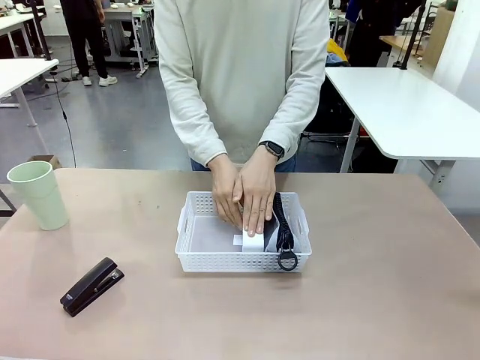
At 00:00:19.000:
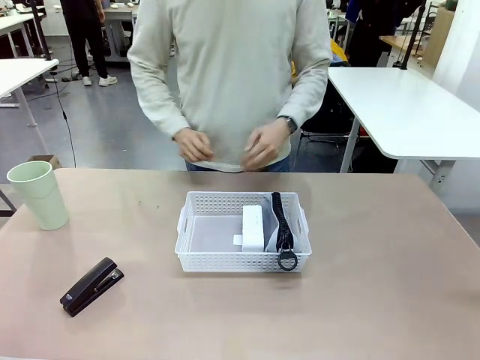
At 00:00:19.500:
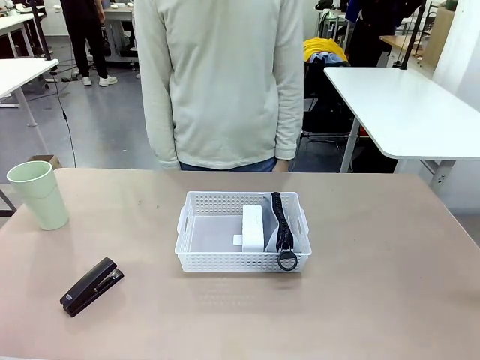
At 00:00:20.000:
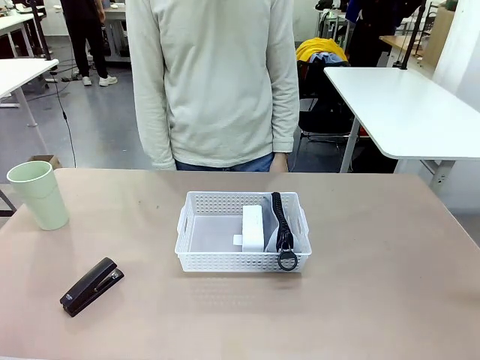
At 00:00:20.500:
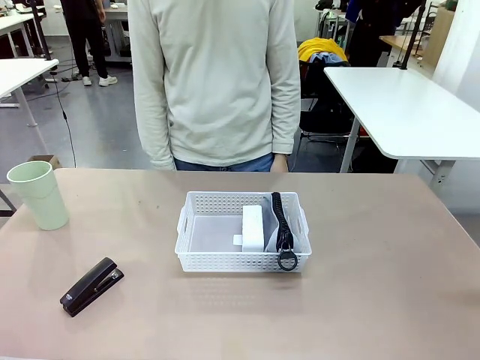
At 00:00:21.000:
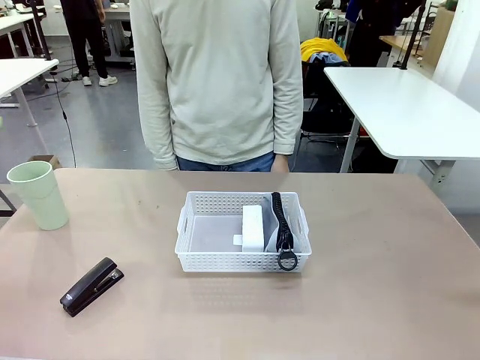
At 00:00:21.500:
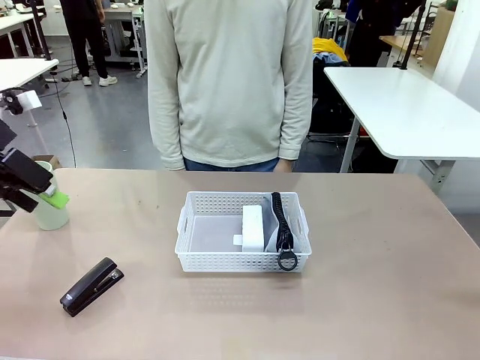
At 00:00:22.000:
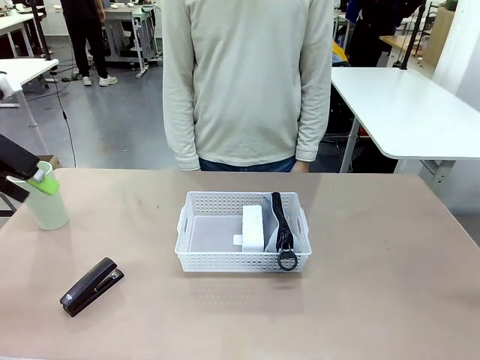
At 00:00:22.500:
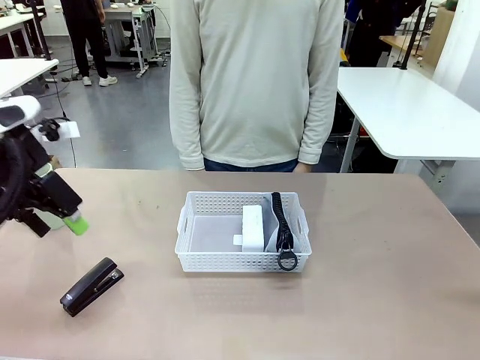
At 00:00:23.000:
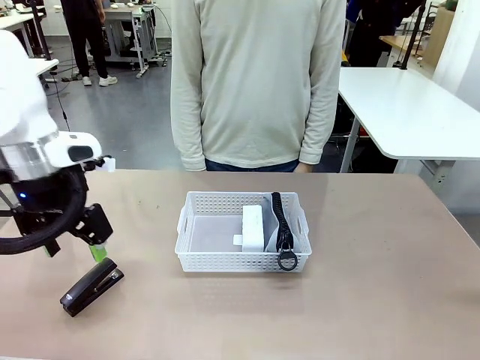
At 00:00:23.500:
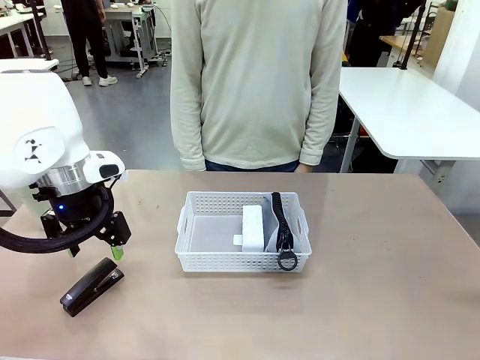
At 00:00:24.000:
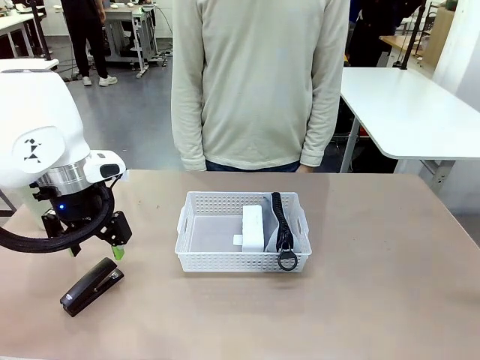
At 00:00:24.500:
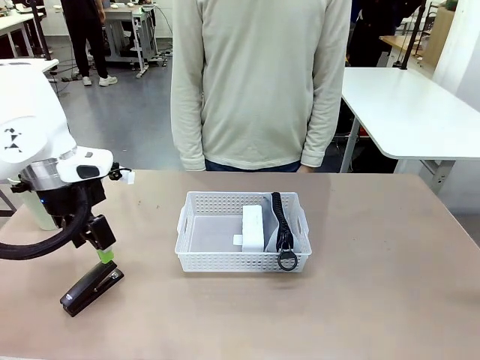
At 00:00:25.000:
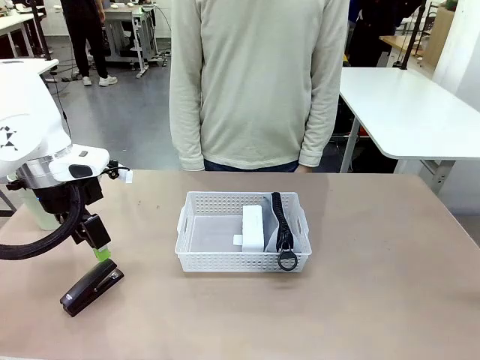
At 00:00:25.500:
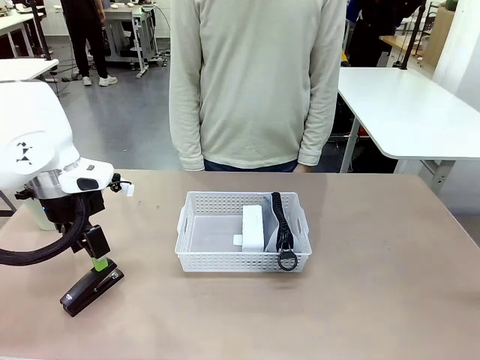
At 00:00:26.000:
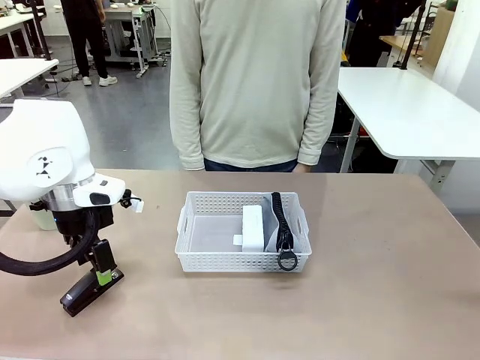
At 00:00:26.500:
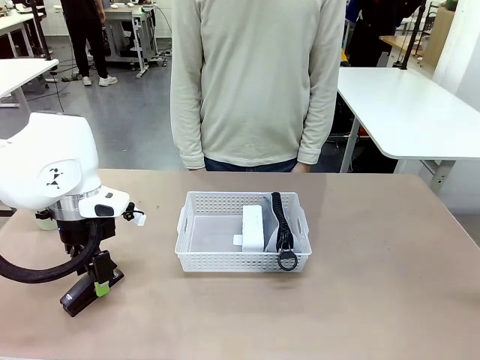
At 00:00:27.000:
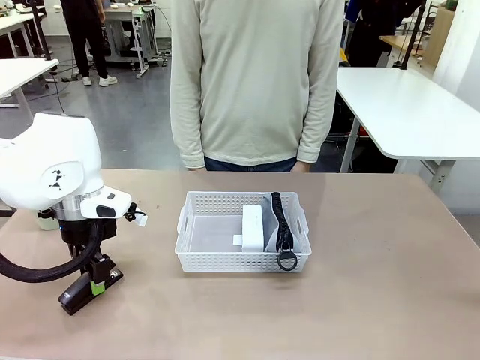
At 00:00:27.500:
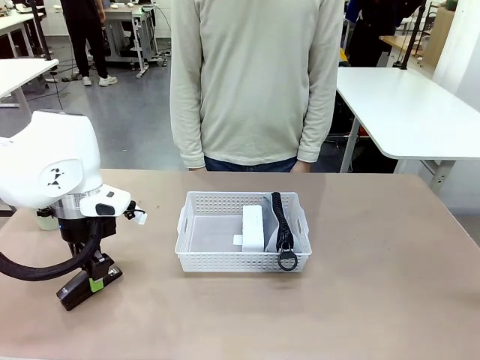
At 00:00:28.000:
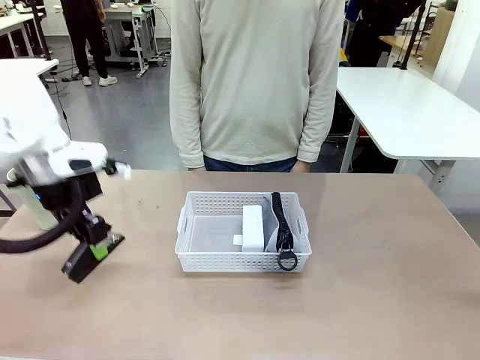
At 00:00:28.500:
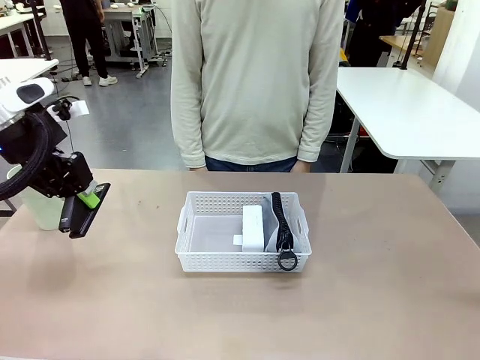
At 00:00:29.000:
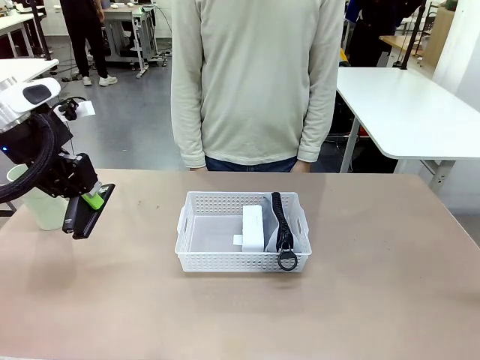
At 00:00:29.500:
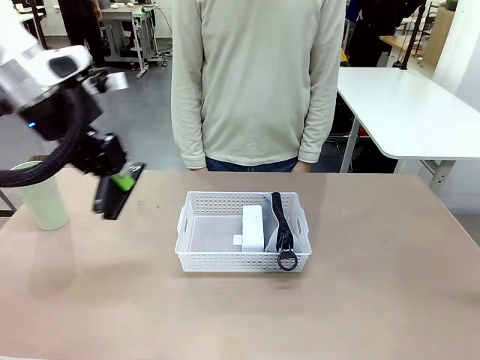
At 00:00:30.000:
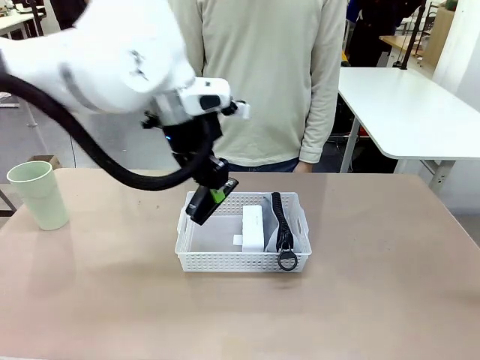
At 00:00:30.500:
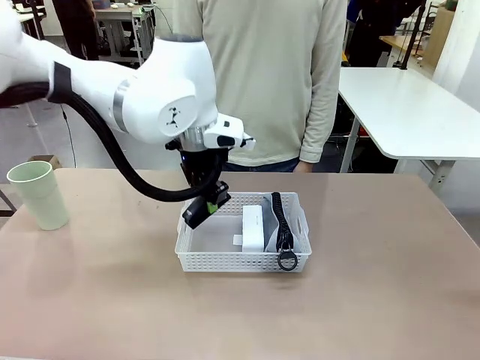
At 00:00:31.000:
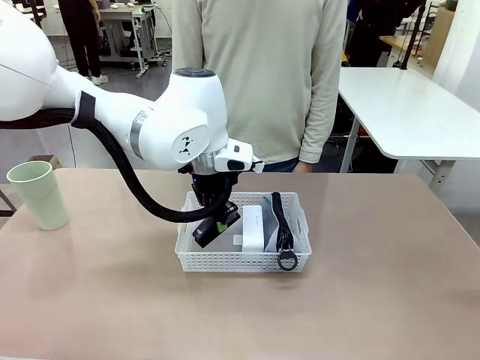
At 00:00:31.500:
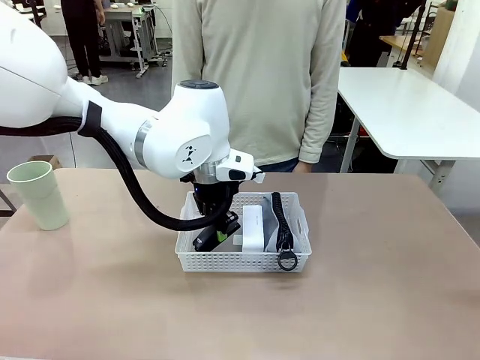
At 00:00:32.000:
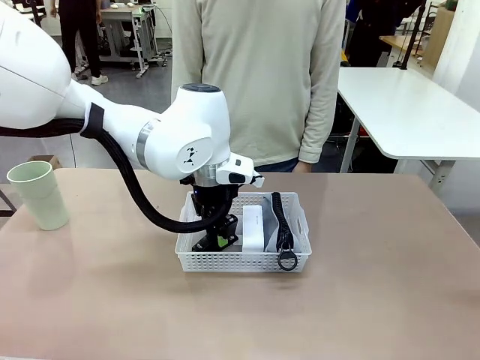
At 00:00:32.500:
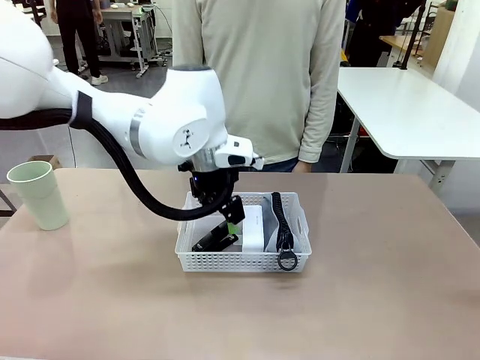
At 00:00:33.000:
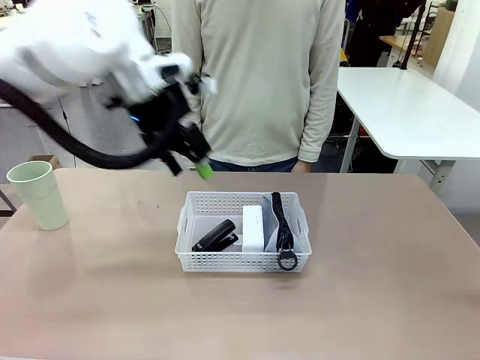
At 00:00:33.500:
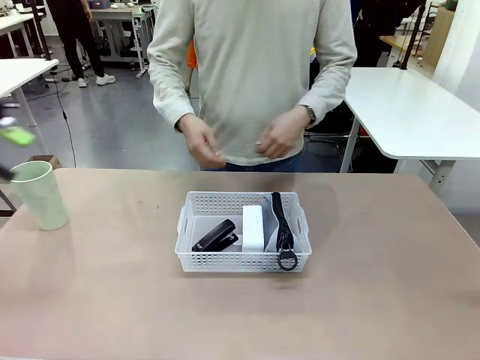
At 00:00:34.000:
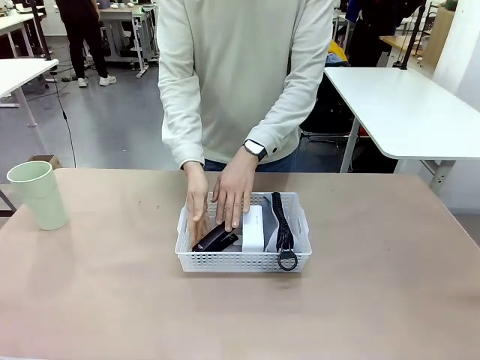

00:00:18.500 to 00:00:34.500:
Task: Efficiently arrange items inside the basket to fit them all.
Robot: Pick up the Stapler and place it inside the Organizing basket.
